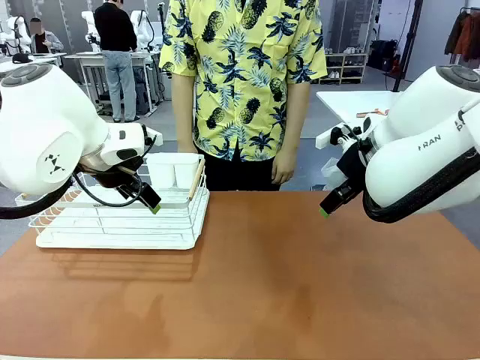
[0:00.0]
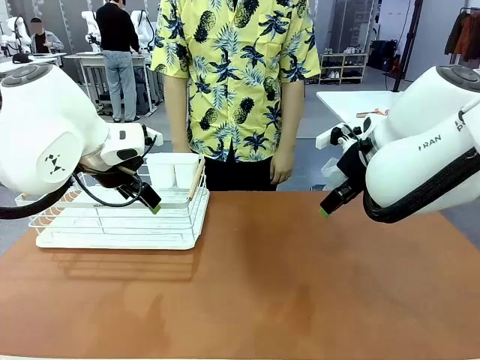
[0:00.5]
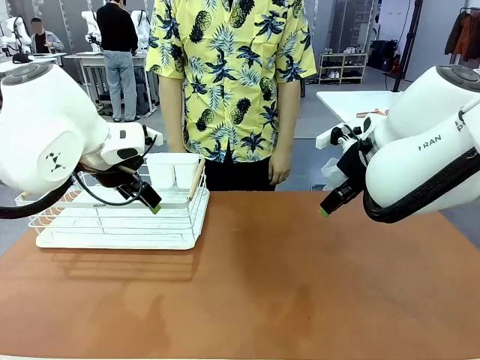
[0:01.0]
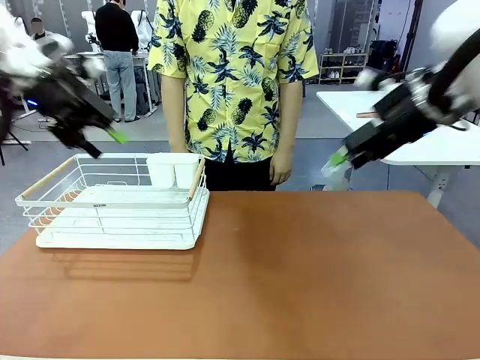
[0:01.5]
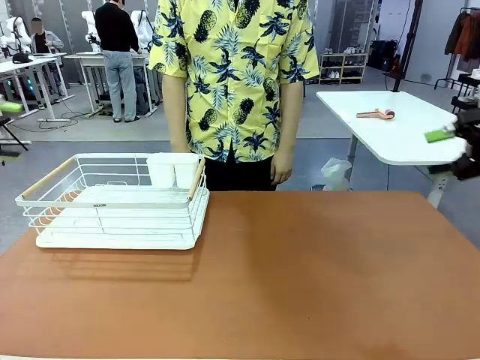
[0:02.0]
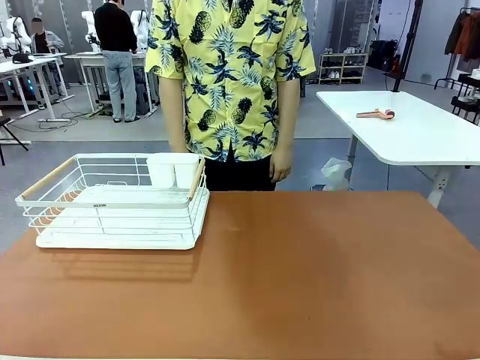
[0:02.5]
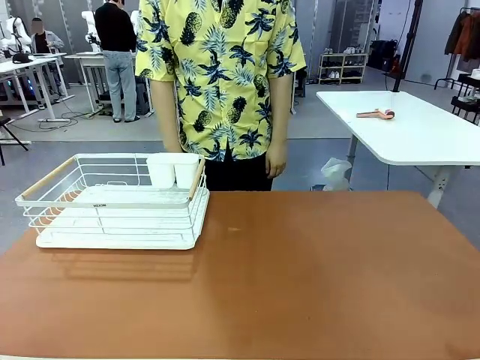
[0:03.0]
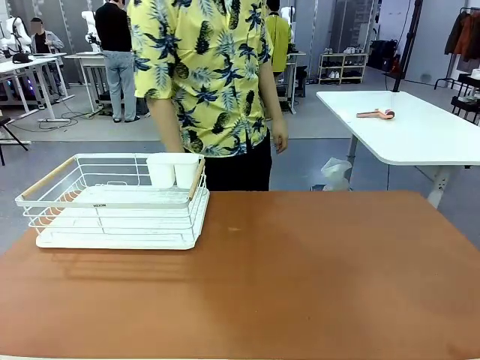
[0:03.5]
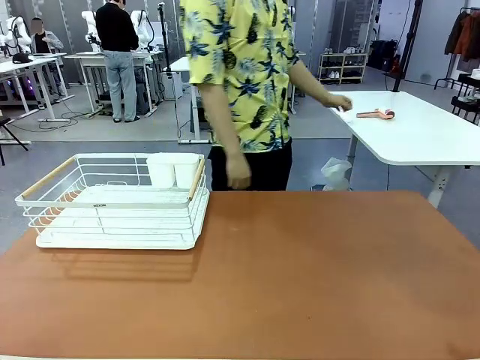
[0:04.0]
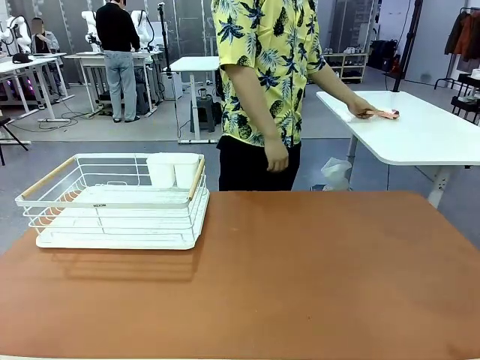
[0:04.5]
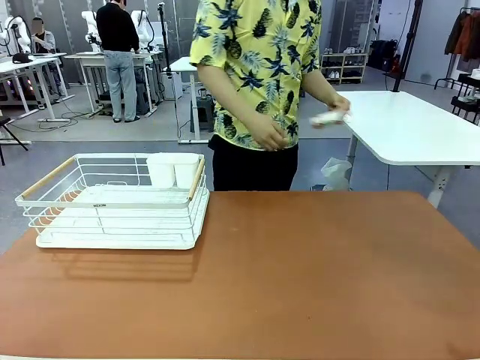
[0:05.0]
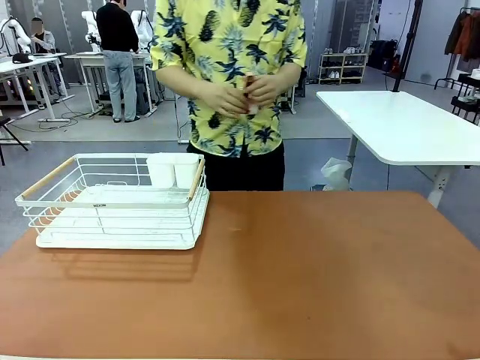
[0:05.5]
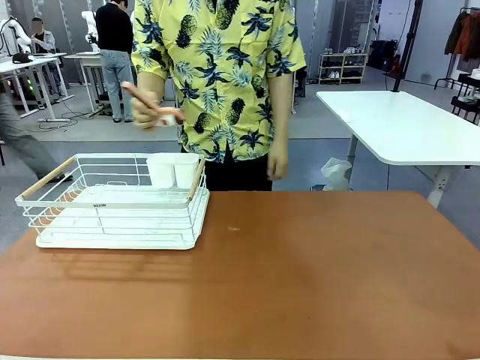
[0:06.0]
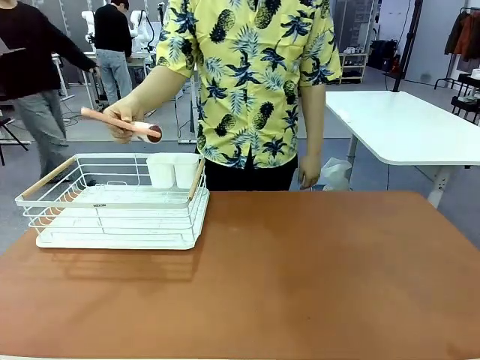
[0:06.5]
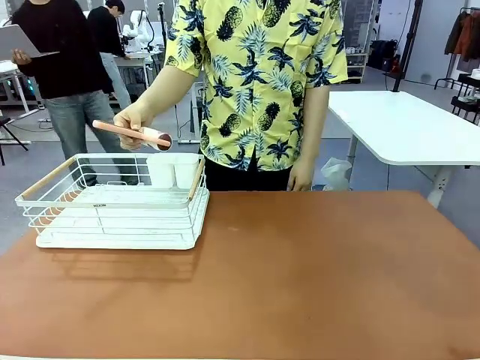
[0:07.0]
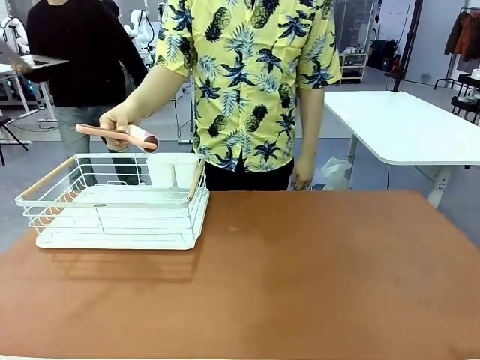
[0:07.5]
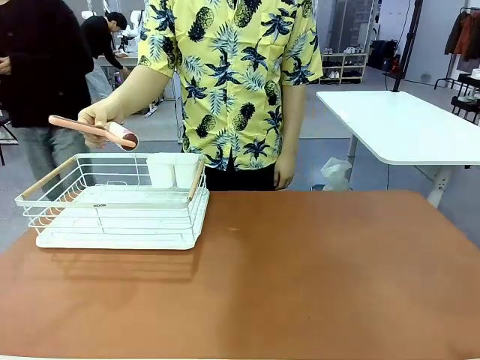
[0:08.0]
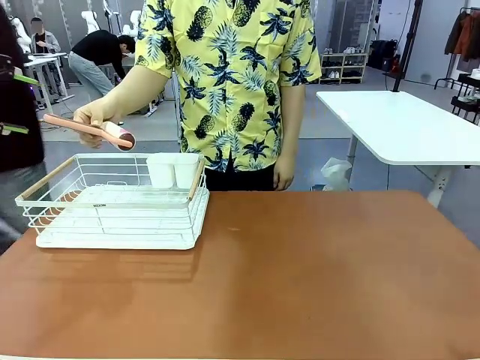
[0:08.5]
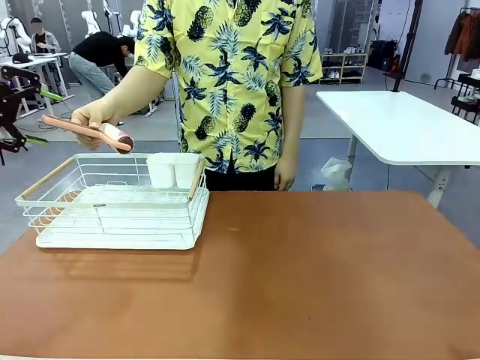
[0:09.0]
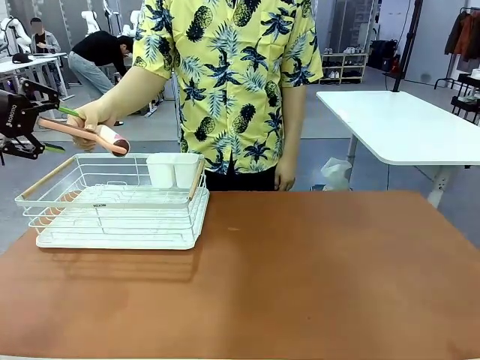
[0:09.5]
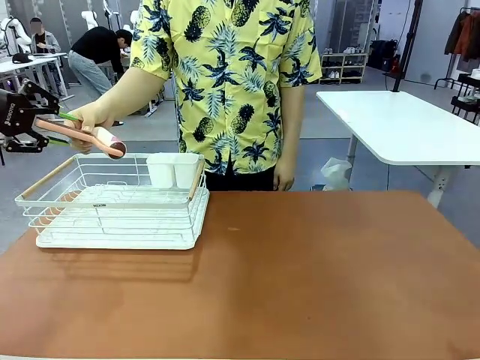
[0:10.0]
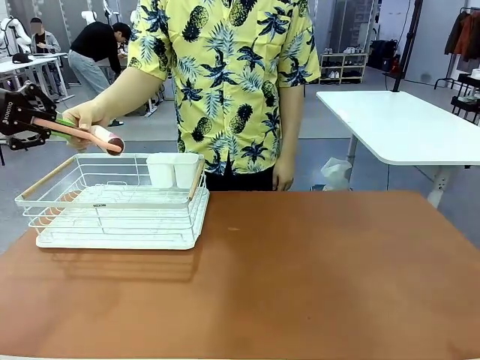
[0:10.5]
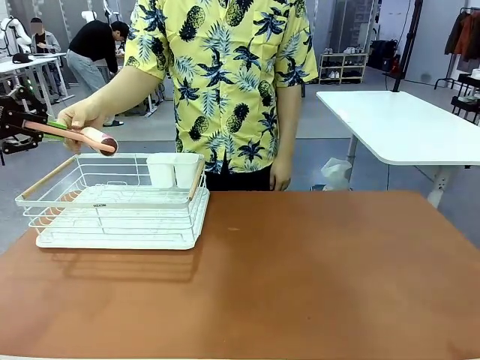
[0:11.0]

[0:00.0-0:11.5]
Task: Clean the table.
Robot: Pick up the Lint Roller when the human hands it over.
Person: Hand the Lint Roller to the robot so it can easily pick it up. Lift the Dish drying rack.

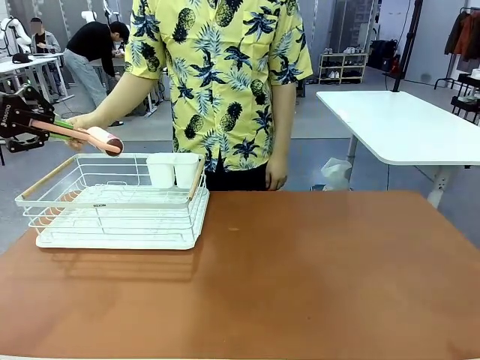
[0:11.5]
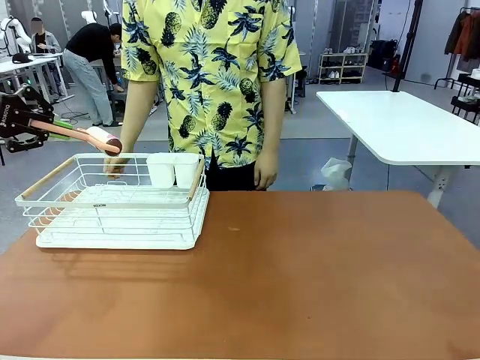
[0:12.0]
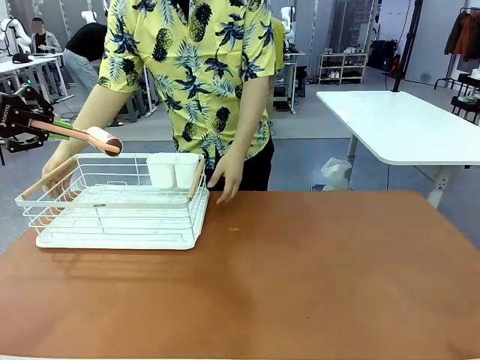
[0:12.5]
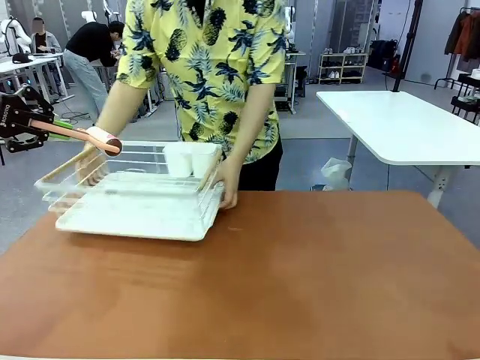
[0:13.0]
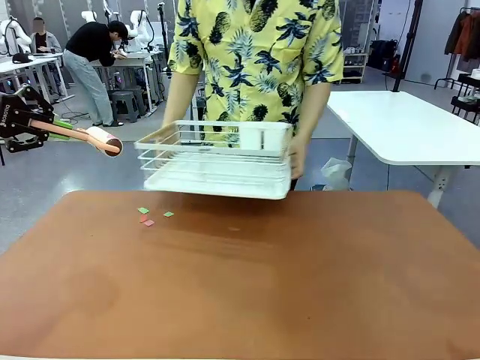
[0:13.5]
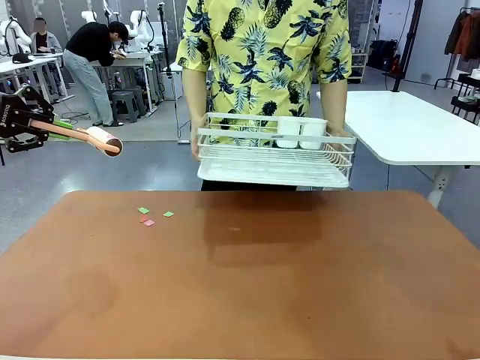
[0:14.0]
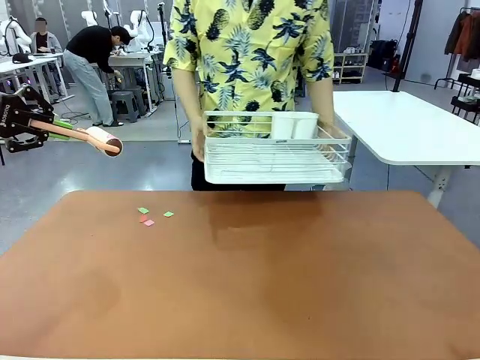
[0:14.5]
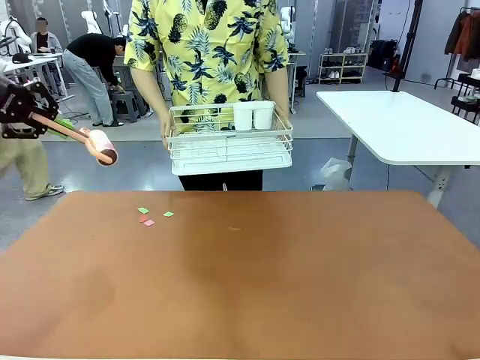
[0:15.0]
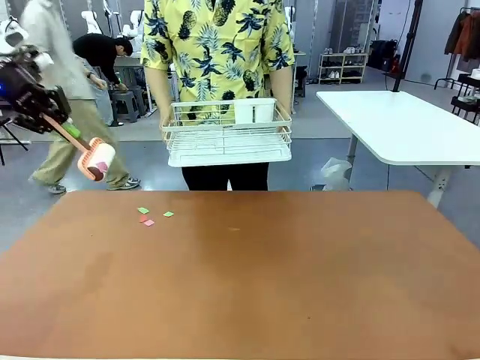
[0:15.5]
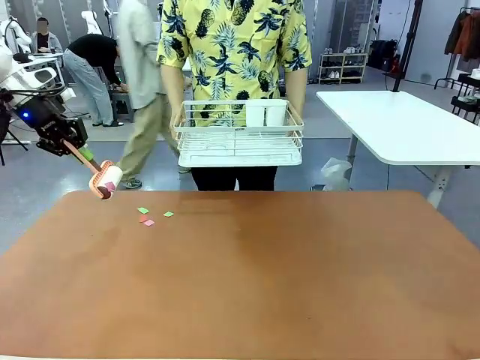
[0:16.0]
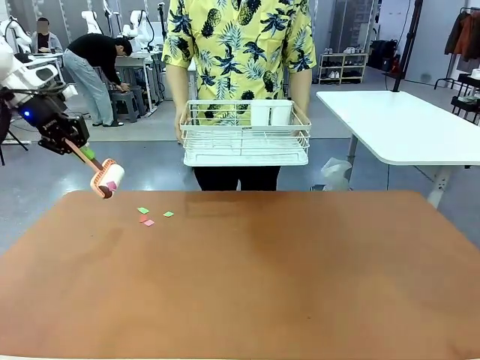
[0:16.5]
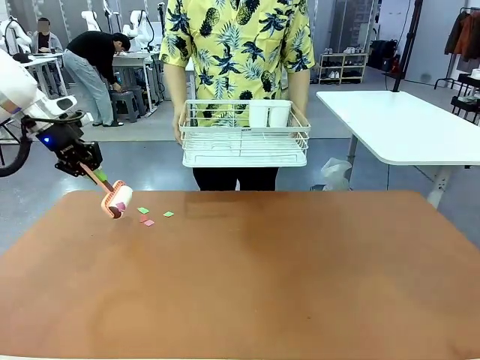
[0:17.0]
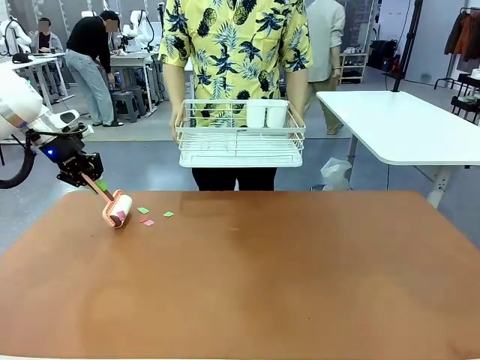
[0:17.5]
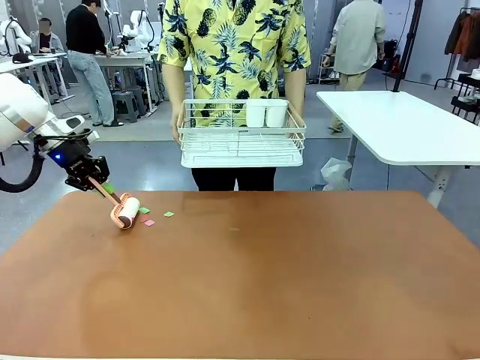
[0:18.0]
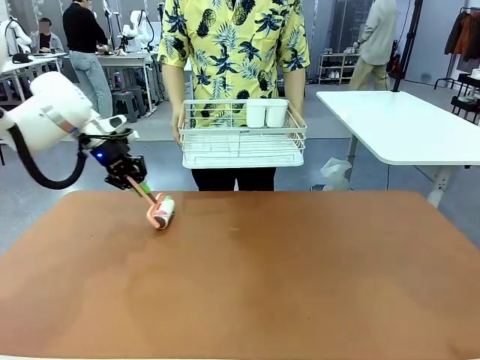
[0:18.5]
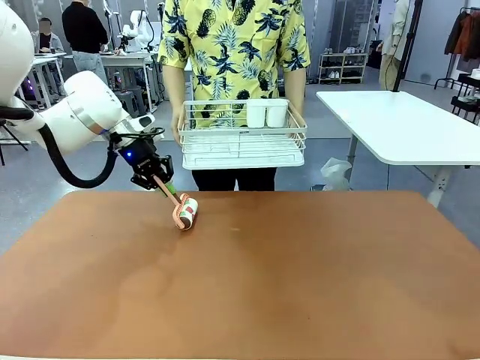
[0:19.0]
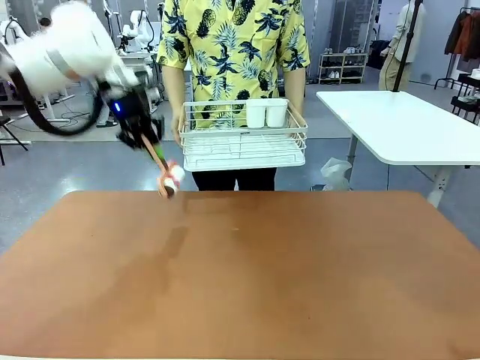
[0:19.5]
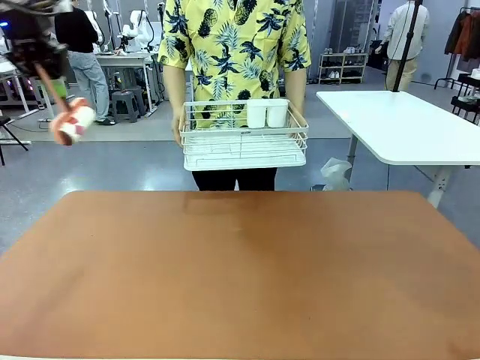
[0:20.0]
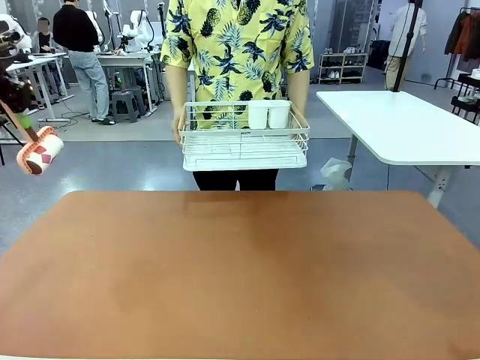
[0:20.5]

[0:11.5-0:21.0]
Robot: Clean the table with the Lint Roller when the human lifts the Dish drying rack.

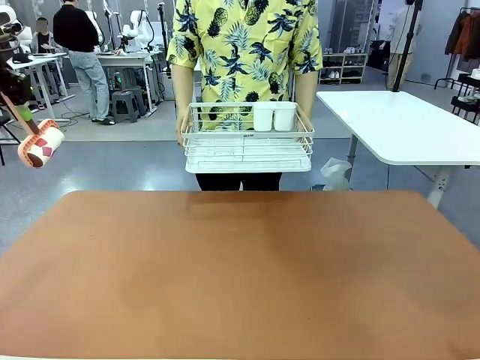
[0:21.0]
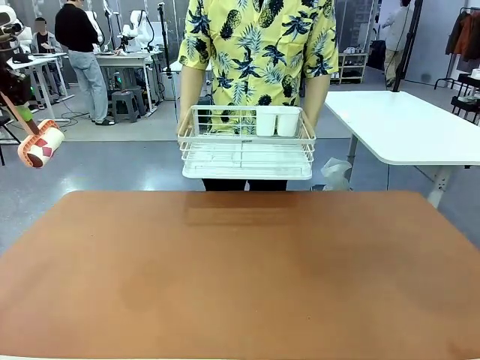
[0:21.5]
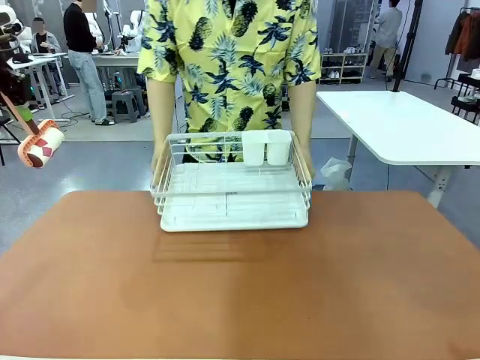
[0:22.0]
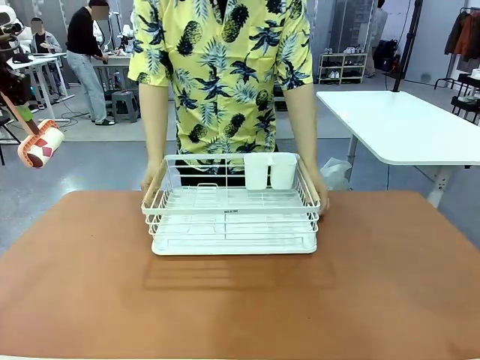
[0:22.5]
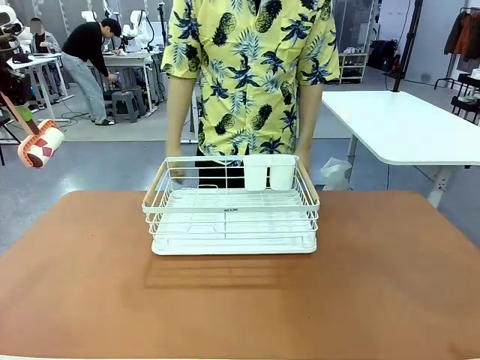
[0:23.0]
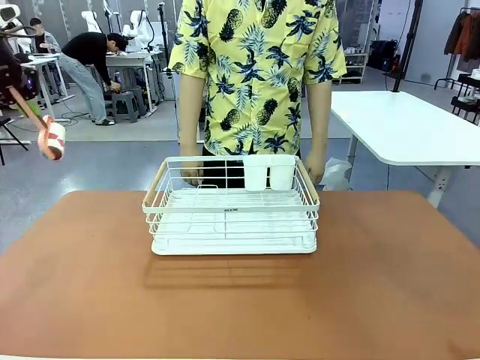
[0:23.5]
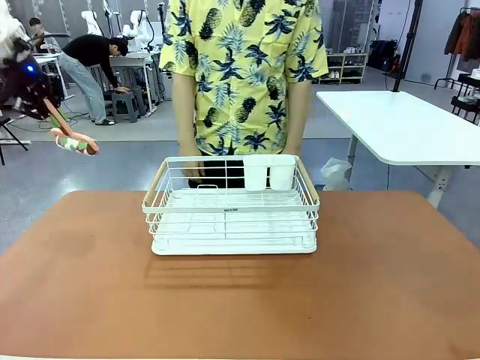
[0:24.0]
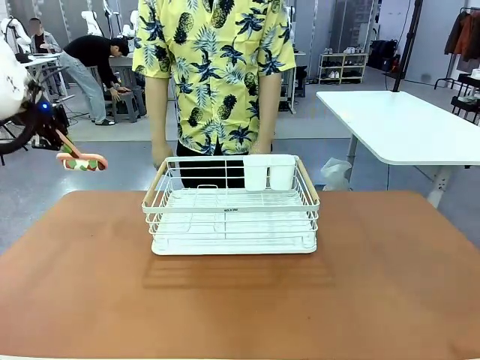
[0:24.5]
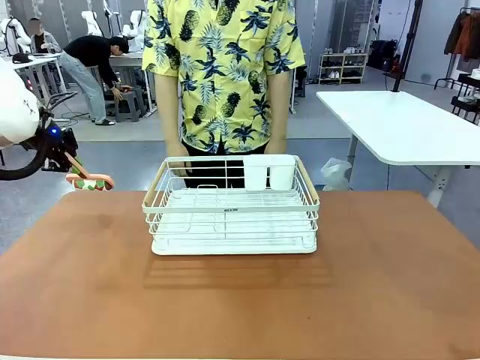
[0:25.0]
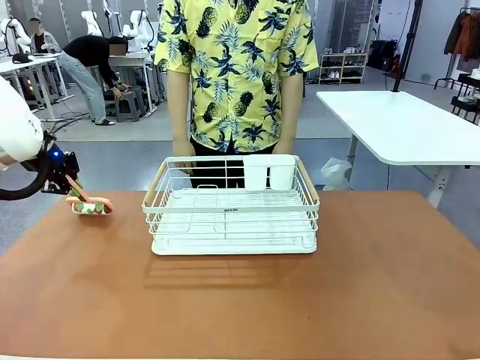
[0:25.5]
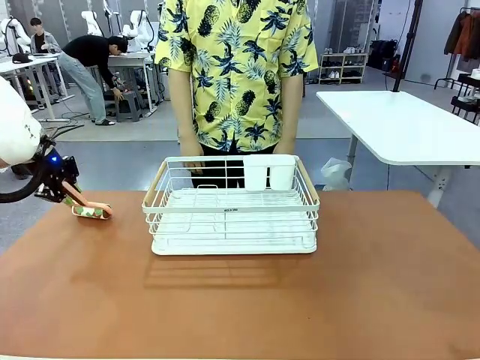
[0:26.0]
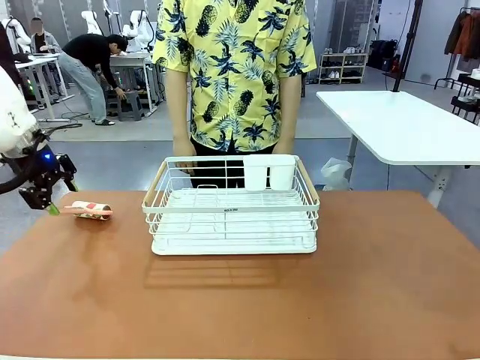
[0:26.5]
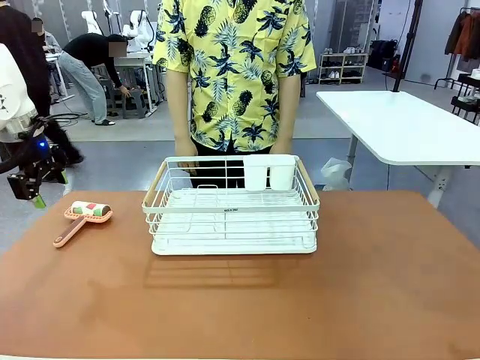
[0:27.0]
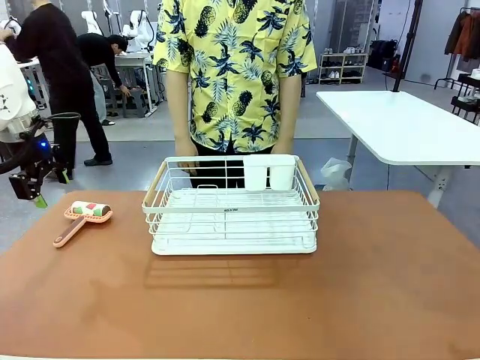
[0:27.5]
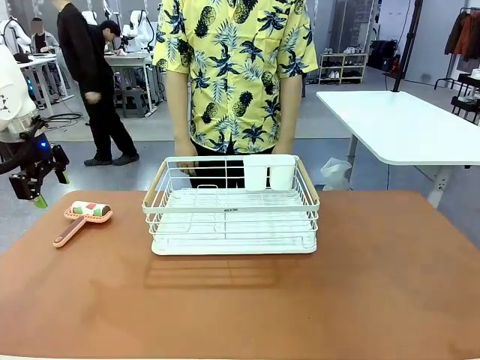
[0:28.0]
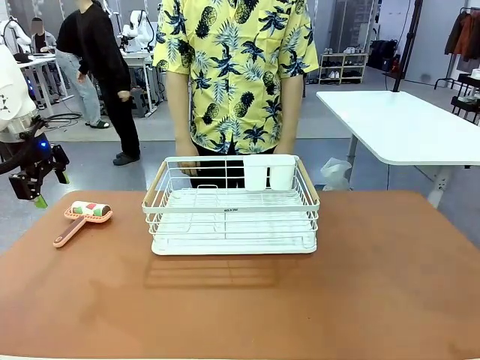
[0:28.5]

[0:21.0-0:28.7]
Robot: Place the Lint Roller down when the Dish drying rack is positioned in the middle of the table.
Person: Place the Dish drying rack down when the robot finishes cleaning.
